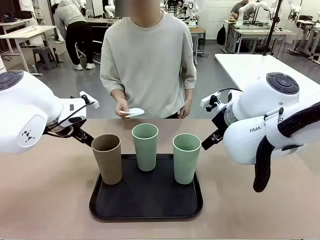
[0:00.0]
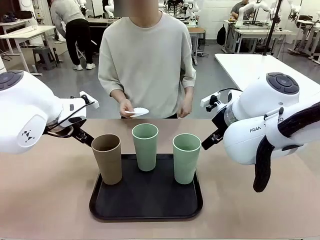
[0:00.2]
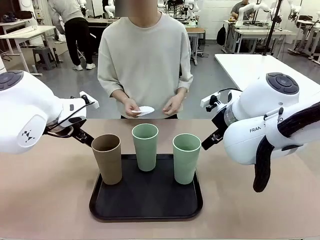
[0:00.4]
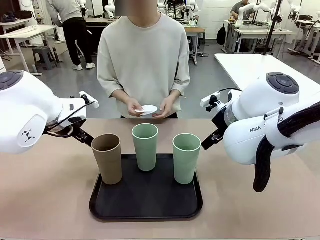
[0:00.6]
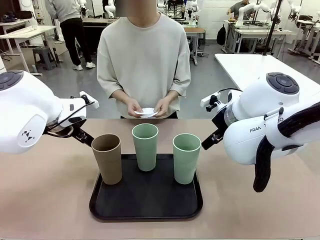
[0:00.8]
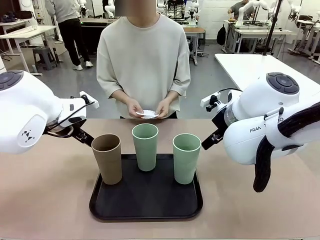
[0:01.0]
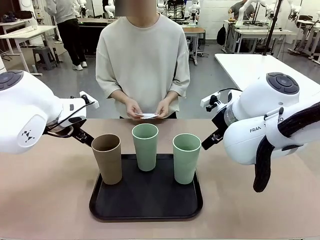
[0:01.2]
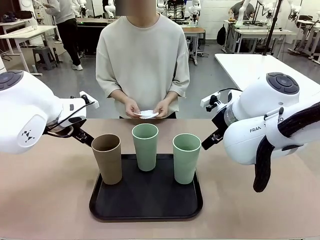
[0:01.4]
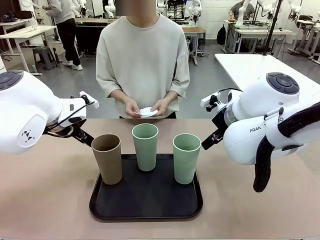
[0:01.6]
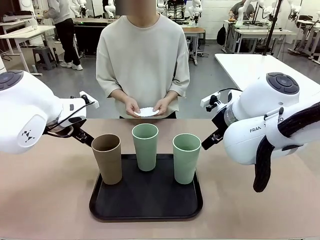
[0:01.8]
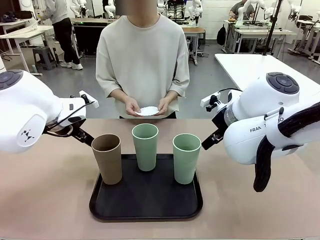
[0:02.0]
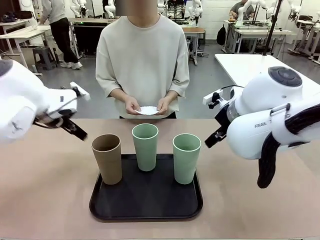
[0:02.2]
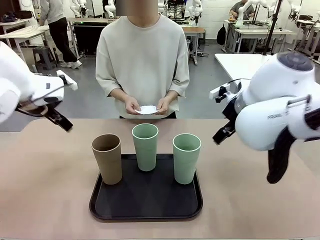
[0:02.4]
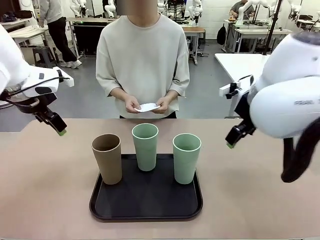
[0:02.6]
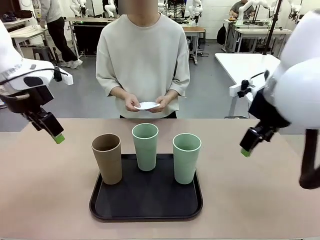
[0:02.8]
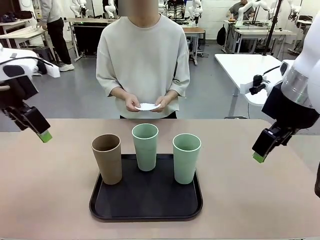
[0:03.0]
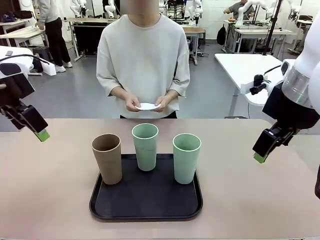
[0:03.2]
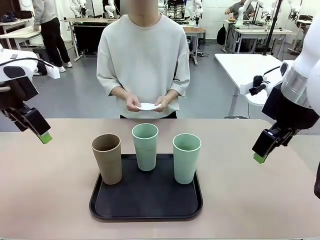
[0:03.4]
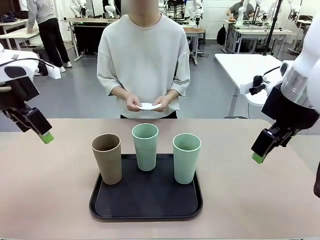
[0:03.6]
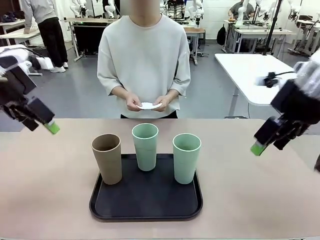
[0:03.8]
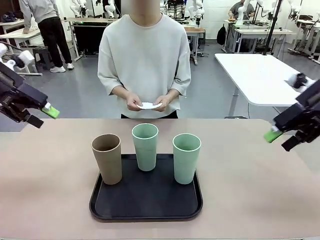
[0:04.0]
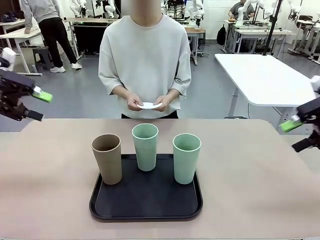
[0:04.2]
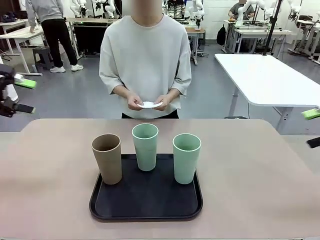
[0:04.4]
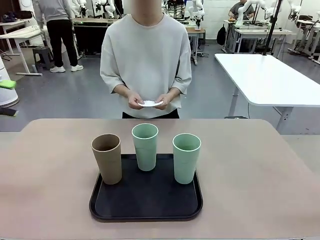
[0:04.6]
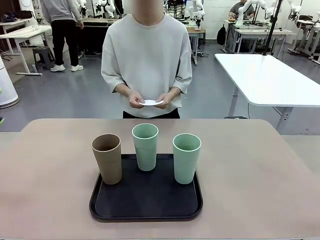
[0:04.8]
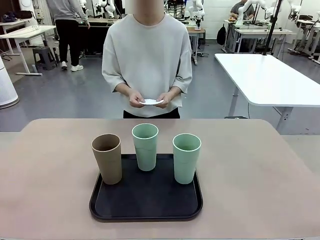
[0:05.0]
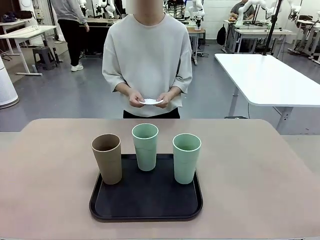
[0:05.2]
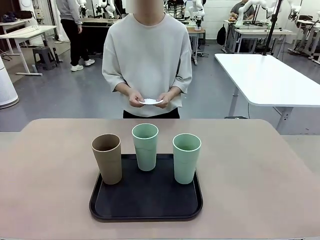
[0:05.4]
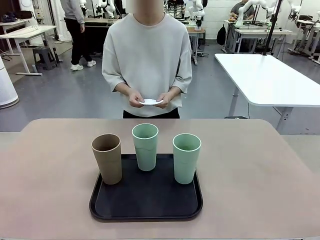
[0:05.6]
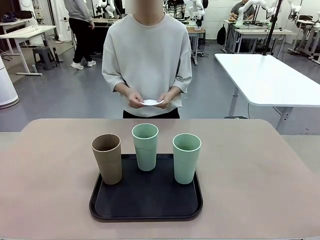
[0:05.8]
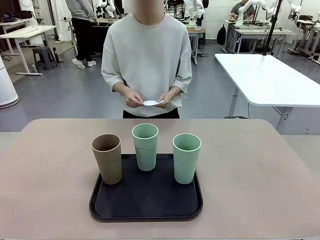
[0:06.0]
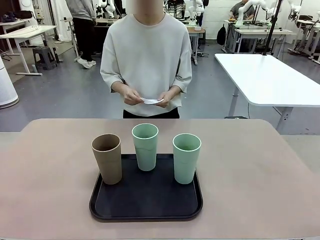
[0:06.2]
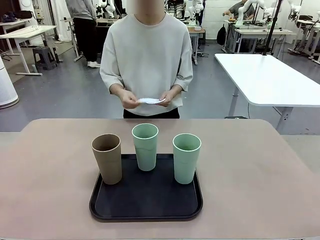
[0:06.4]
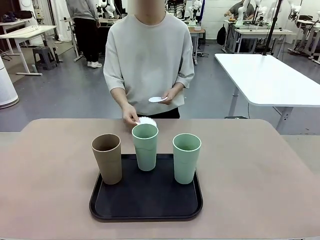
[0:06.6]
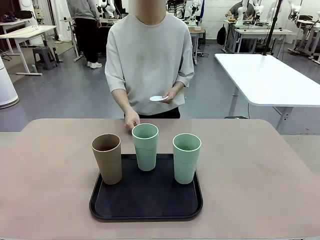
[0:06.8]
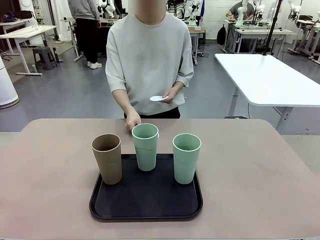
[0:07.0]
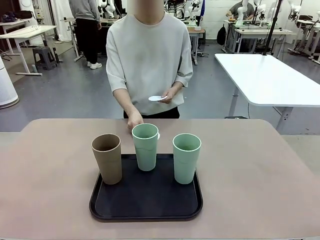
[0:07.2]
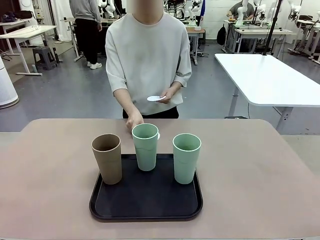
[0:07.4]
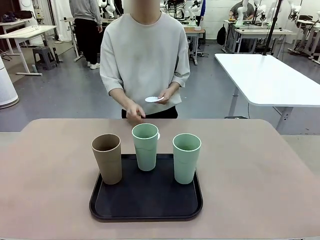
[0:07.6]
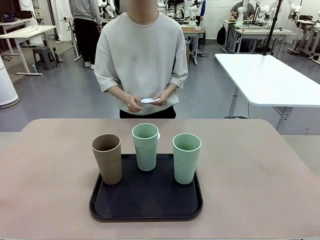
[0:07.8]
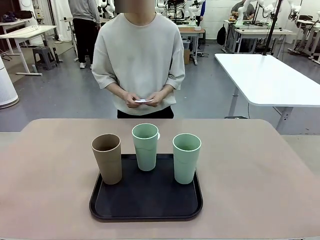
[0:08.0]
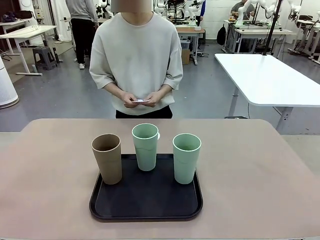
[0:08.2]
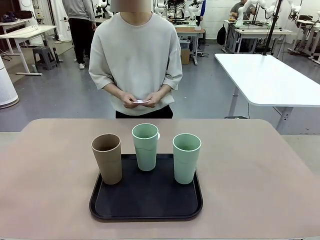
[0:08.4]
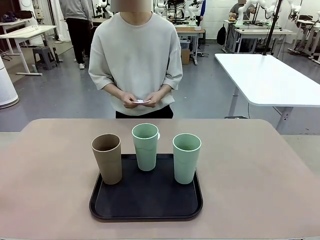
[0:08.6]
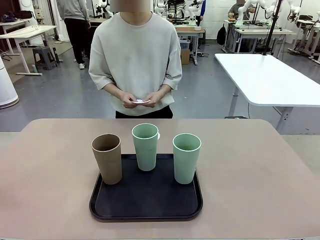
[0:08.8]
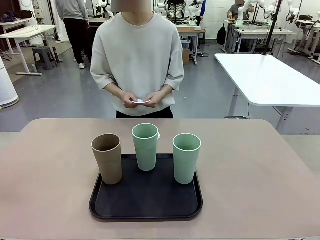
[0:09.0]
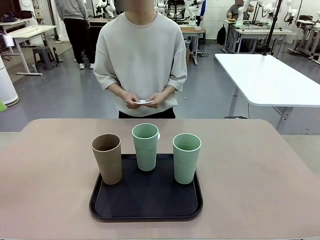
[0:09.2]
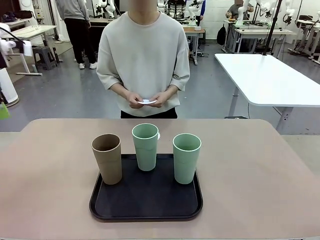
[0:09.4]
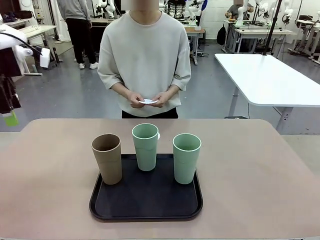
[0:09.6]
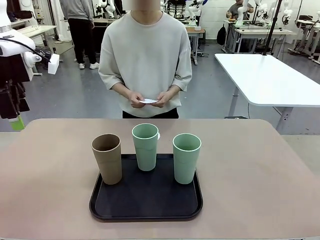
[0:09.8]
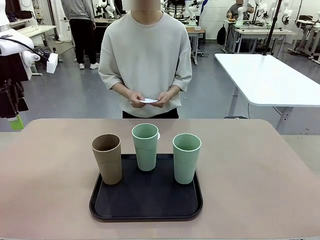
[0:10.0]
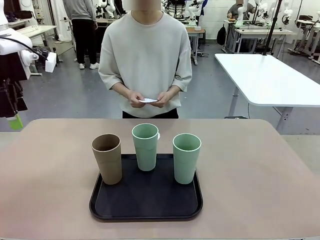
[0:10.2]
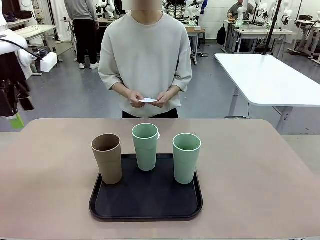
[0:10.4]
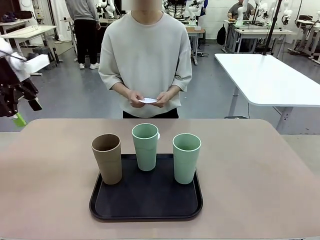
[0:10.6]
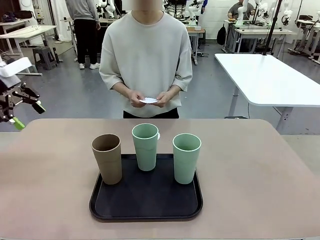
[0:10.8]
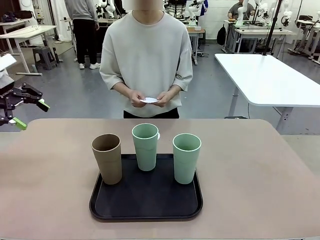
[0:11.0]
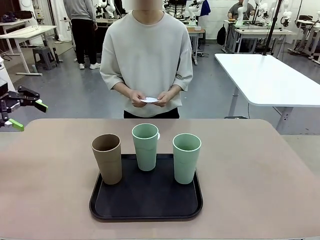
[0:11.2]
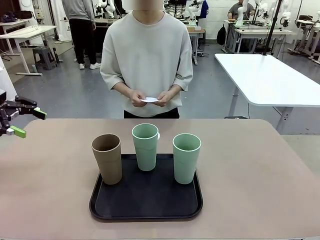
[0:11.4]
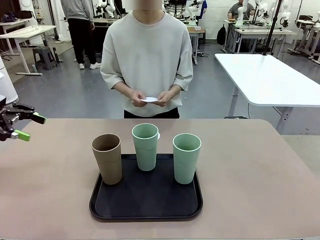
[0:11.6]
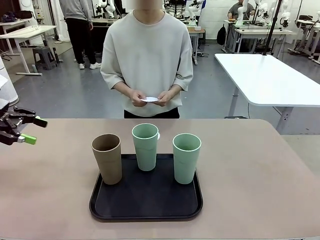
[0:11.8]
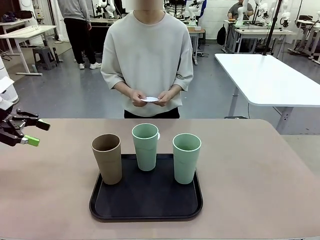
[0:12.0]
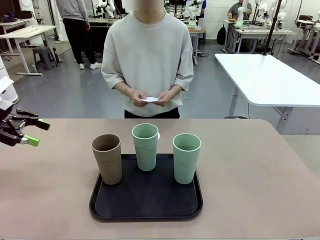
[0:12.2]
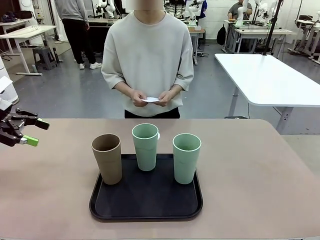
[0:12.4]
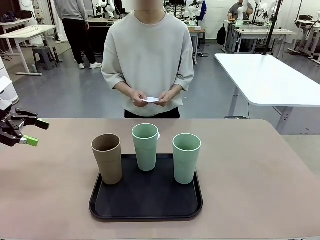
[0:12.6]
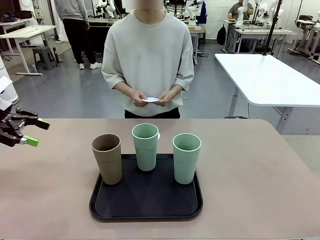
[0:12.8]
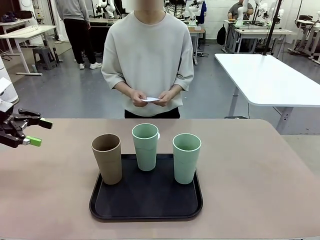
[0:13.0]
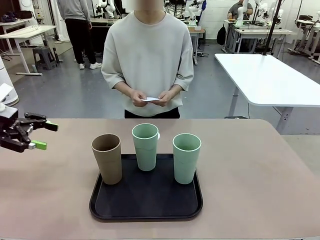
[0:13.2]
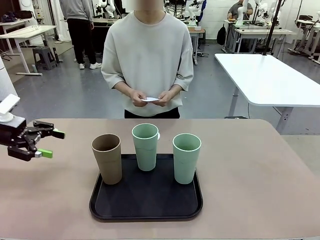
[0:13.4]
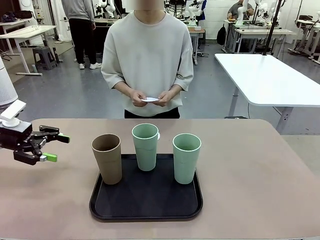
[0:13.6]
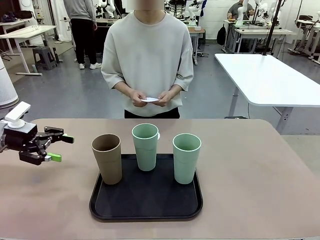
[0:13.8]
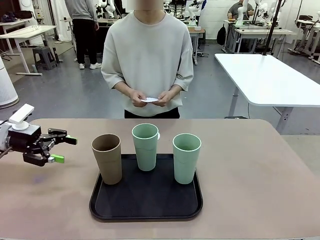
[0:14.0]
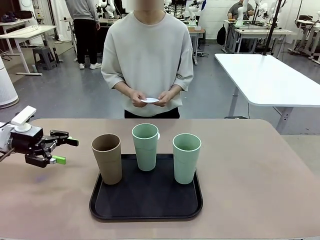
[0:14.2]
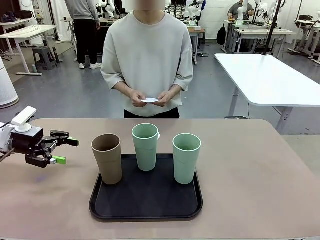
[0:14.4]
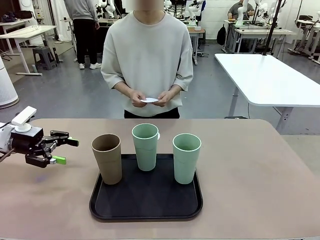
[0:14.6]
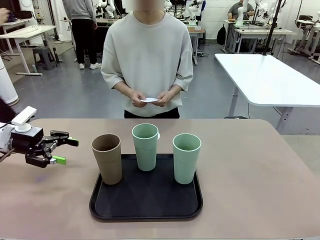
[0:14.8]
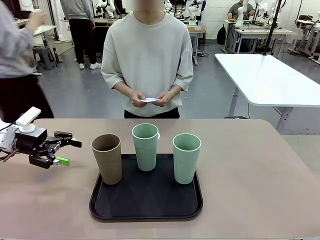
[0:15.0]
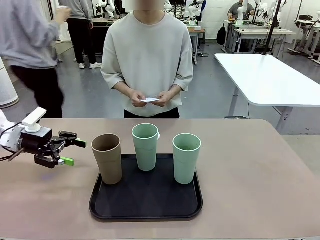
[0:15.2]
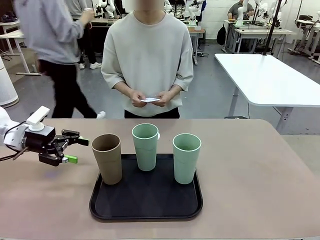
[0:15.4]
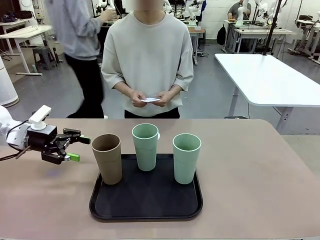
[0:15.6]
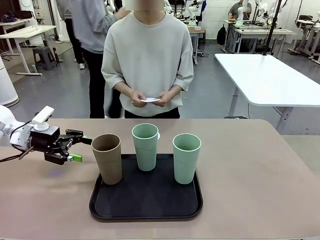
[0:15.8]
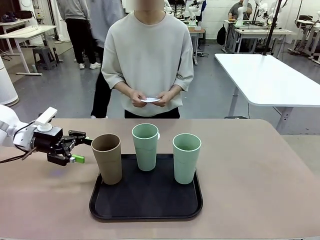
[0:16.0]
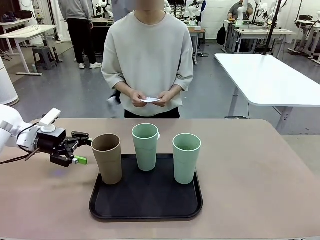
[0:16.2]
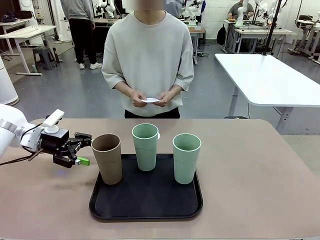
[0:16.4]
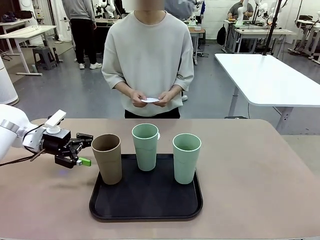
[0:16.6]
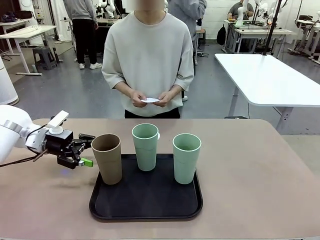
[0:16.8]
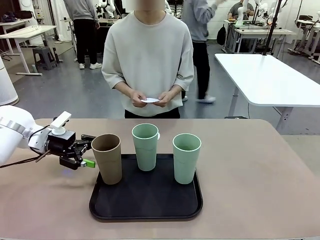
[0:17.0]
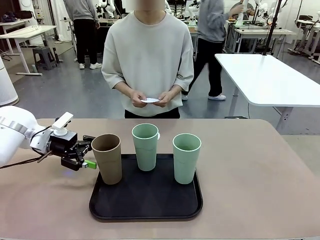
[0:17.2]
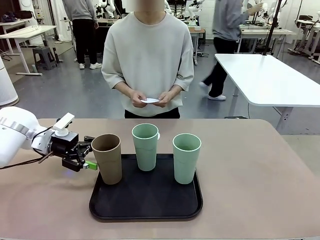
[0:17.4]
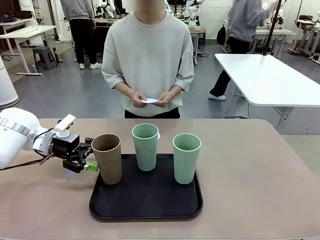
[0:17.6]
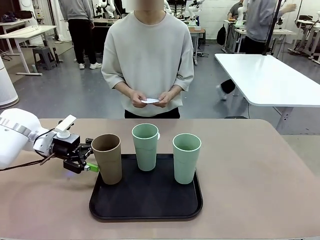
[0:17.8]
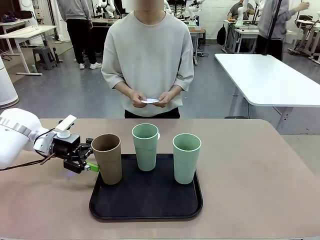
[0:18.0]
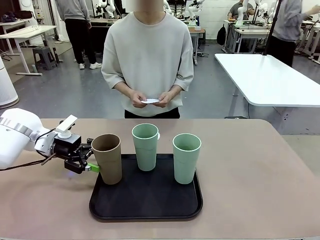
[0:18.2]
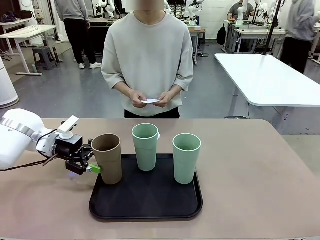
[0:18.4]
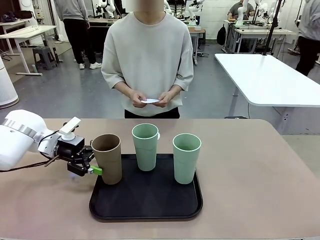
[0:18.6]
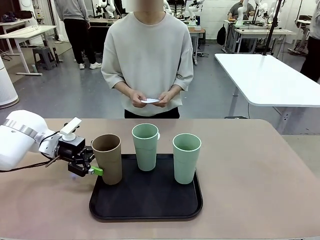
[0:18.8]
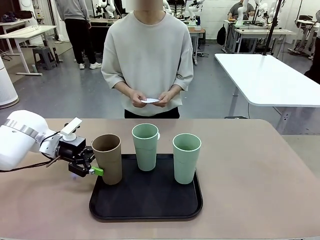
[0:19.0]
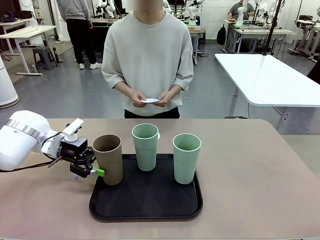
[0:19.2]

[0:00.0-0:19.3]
Task: Place coasters on the table and set cups on them.
Robot: Pick up one Reusable plastic cup and place it on a coaster set by the human.
Person: Place one coaster in any one of the three lower areas of the robot table (left, center, or right).
